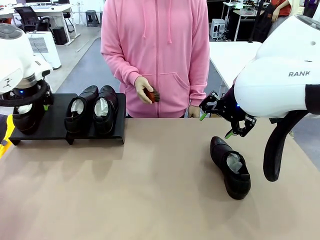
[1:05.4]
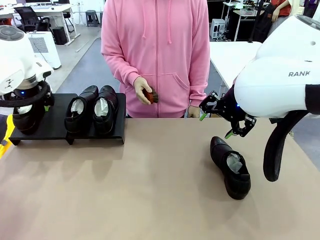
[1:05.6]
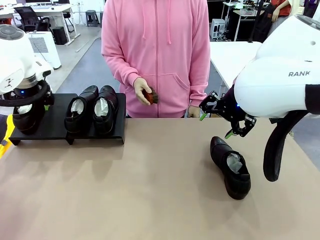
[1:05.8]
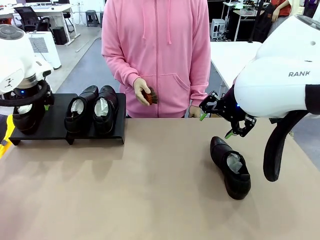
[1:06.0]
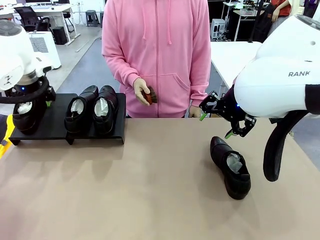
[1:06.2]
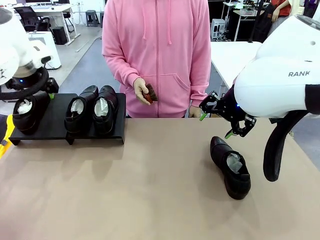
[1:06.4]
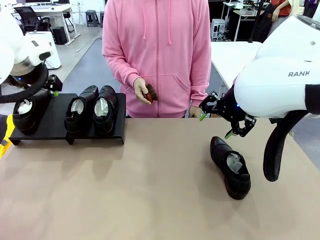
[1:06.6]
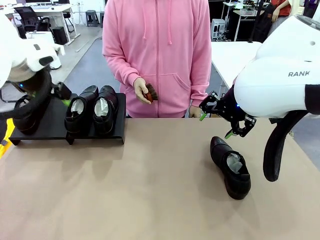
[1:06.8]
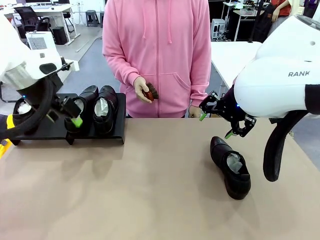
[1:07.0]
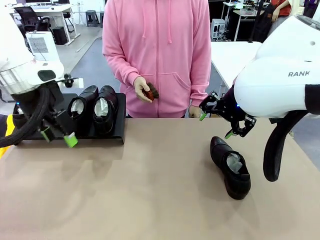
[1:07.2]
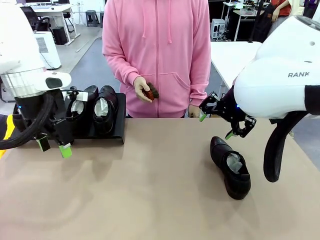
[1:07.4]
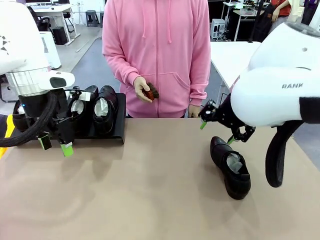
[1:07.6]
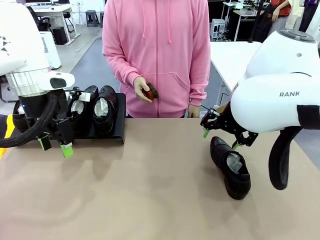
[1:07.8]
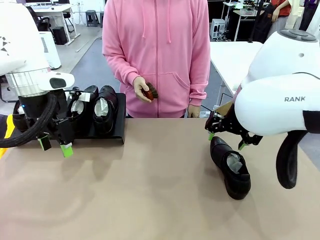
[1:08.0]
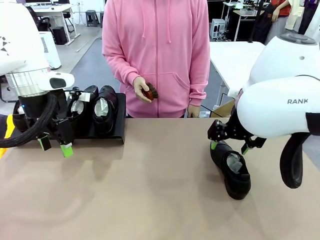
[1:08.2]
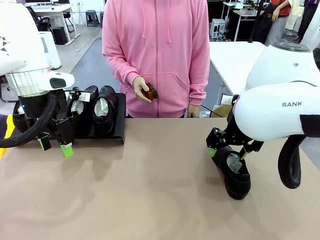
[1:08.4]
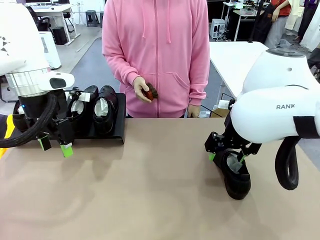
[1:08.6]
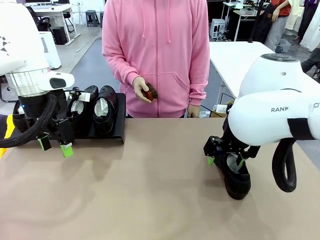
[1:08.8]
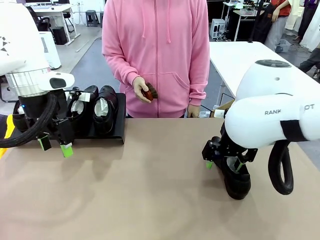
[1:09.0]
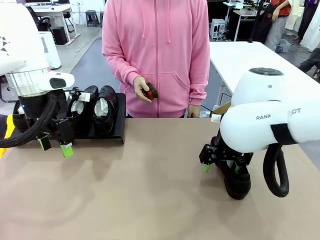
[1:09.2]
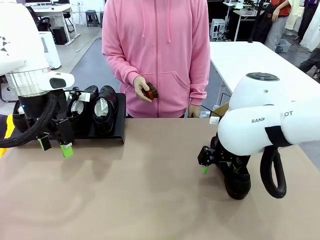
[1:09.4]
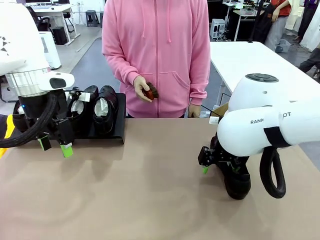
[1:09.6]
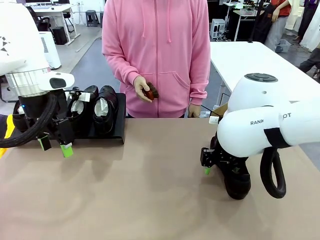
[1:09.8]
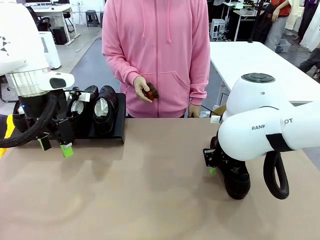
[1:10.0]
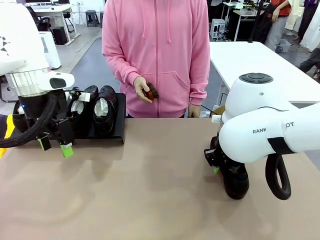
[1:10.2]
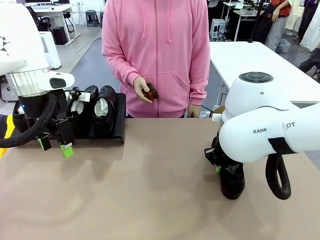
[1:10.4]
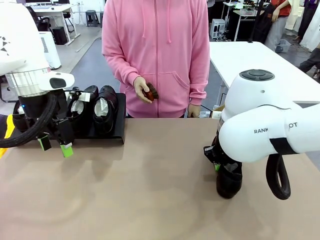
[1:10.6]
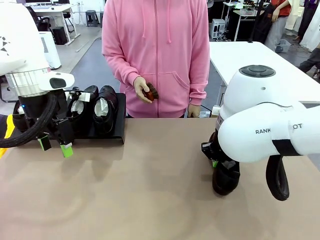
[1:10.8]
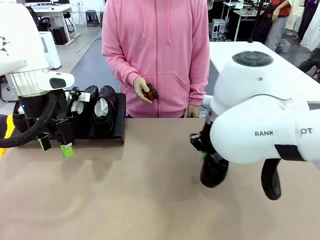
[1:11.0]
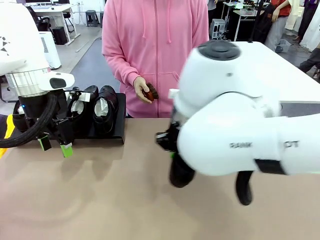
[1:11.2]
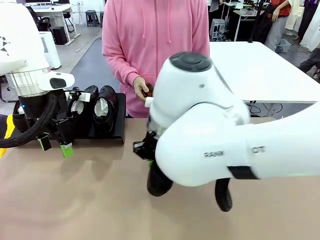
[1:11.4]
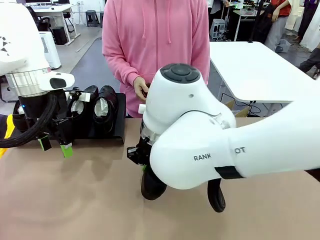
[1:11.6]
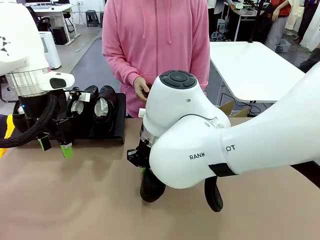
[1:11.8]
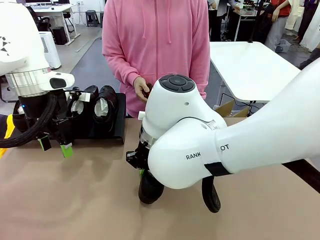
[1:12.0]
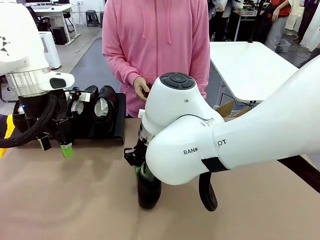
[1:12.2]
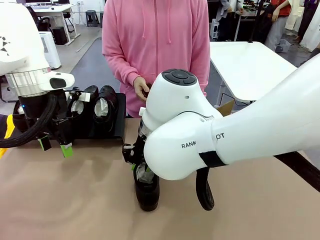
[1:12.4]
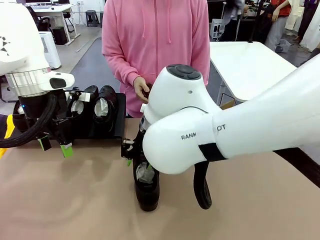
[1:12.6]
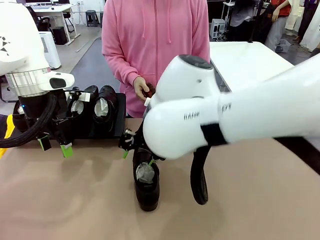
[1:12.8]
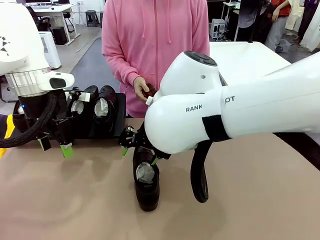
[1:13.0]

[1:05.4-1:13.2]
Task: Organize the shoes by placing them on the stand.
Robot: Pick up one Shoe and place it in the middle of the table.

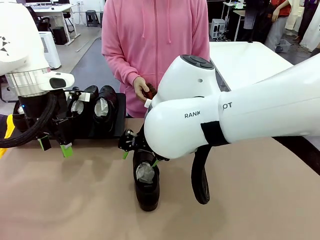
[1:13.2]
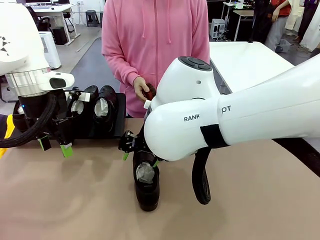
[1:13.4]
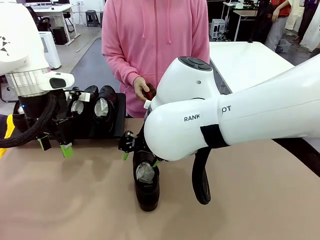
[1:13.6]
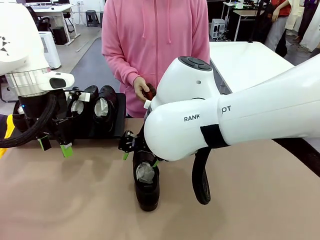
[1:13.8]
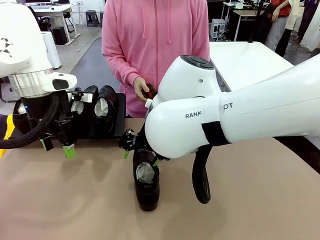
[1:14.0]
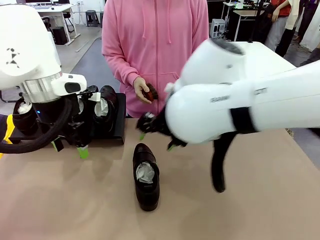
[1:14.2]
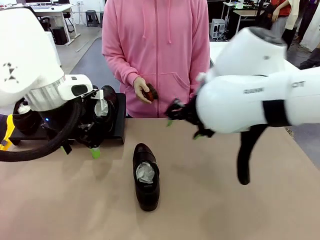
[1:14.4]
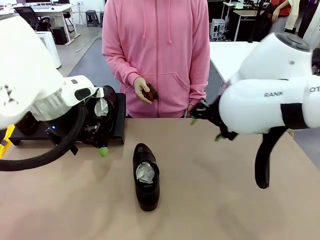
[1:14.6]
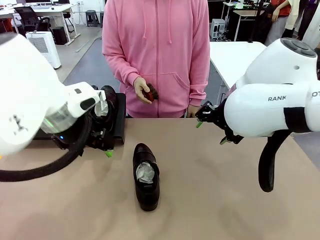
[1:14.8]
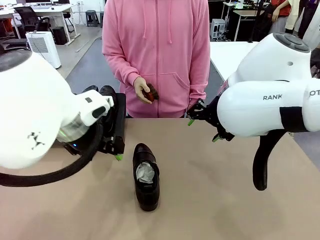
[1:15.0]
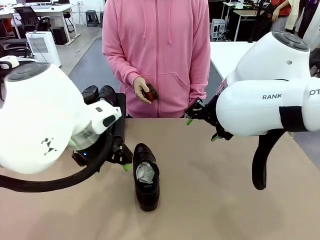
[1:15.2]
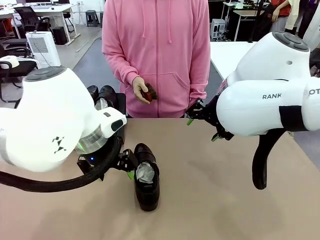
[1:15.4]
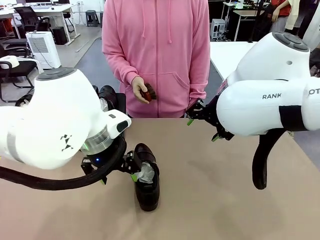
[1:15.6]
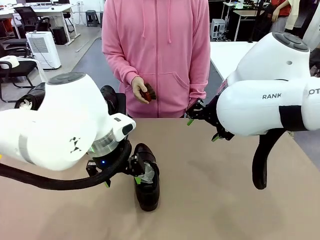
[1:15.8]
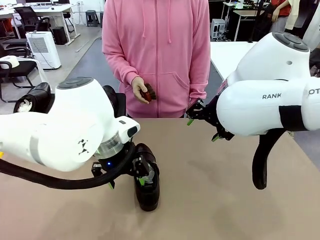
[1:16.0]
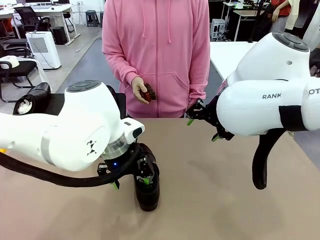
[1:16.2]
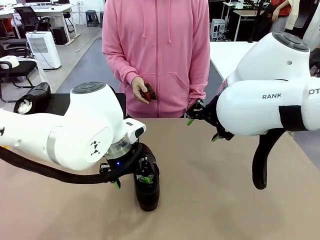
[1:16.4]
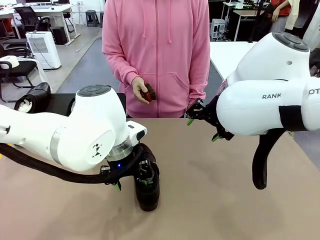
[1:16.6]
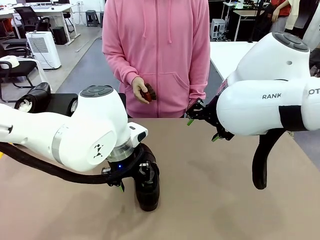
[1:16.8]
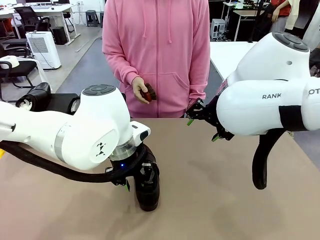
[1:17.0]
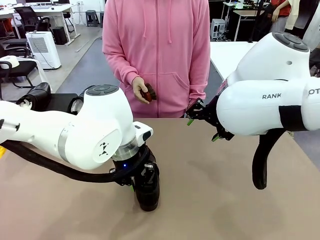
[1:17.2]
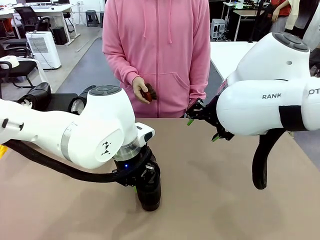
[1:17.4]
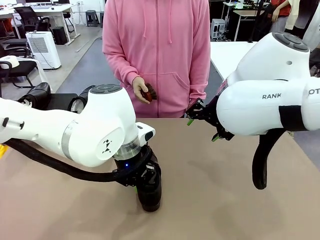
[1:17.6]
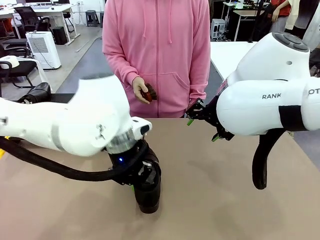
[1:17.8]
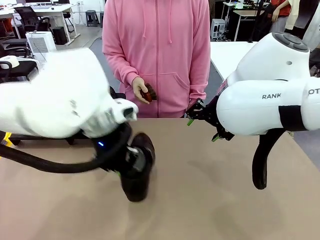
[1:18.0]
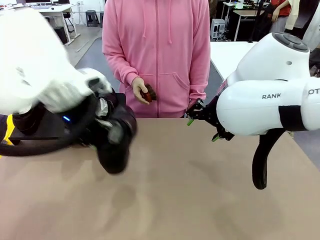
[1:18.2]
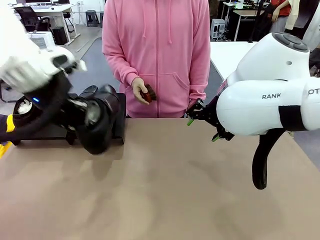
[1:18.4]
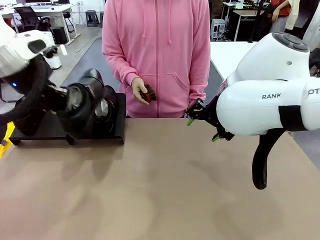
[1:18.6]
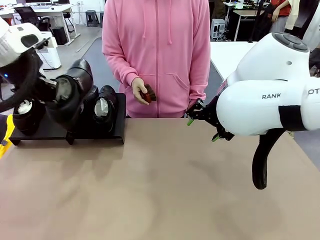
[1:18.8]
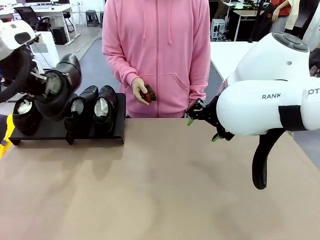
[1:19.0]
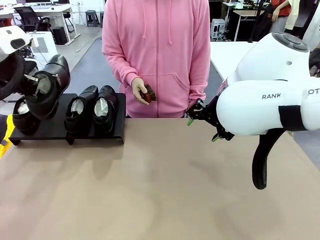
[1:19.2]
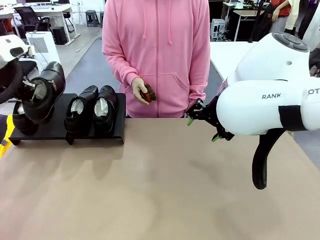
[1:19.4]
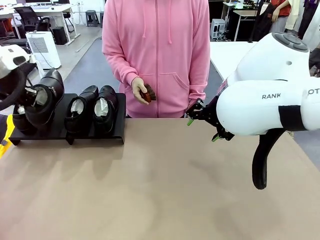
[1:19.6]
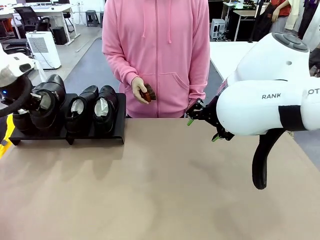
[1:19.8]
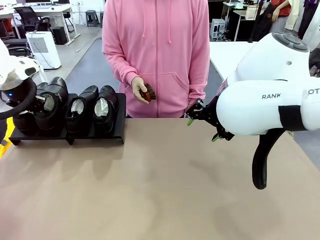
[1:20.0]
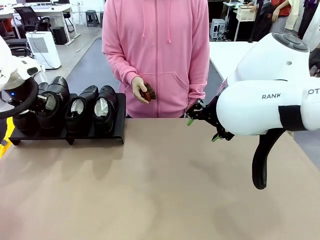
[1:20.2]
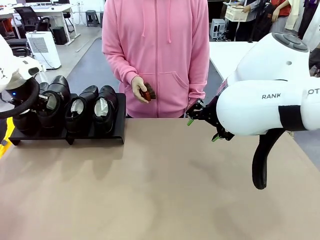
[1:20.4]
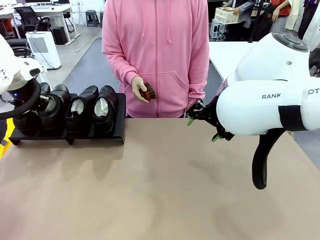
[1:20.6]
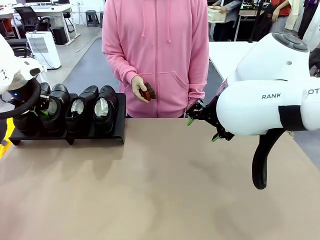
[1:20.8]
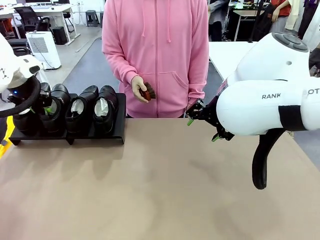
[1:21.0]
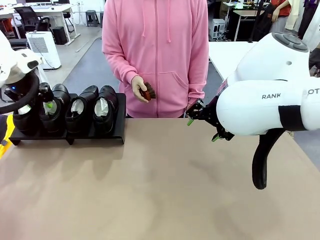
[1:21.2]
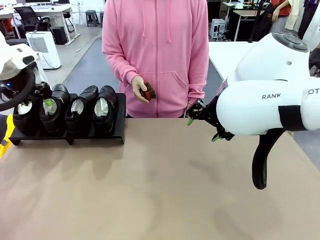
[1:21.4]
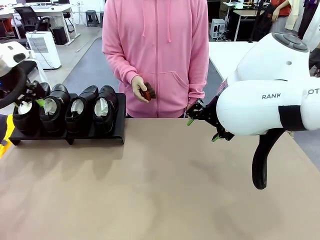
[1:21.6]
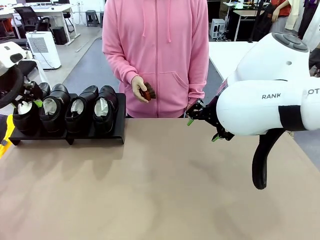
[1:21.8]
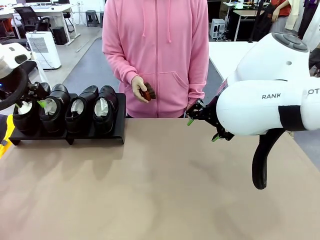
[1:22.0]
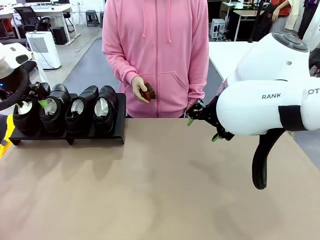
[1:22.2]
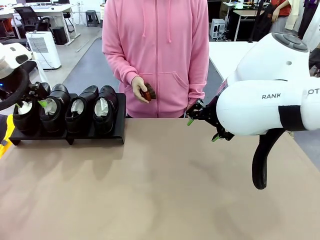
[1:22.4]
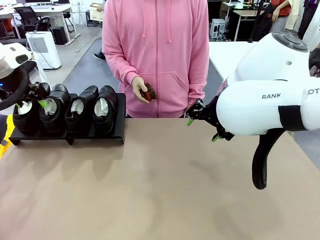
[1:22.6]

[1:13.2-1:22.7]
Robot: Place the Shoe from the middle of the table onto the Shoes Stand.
